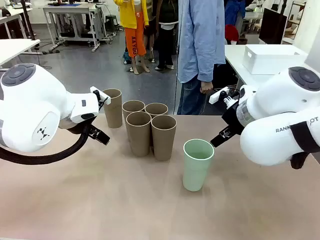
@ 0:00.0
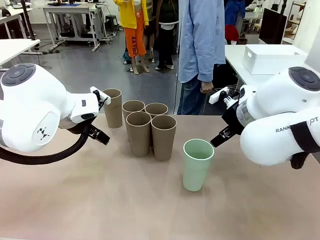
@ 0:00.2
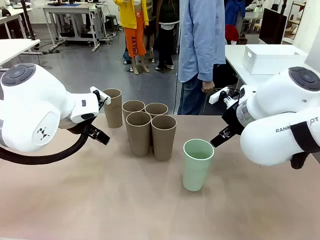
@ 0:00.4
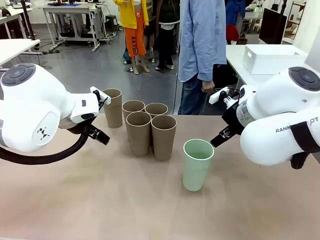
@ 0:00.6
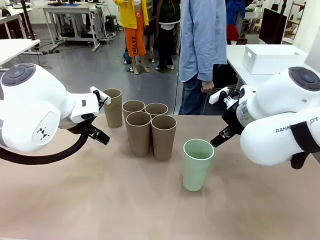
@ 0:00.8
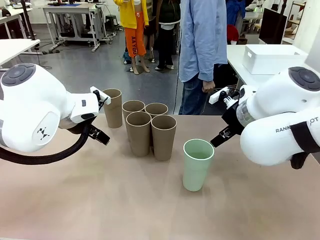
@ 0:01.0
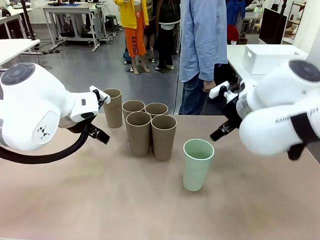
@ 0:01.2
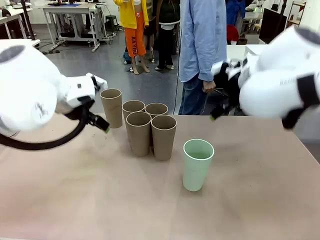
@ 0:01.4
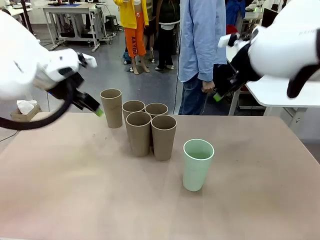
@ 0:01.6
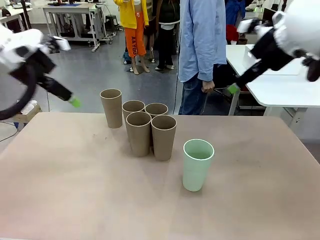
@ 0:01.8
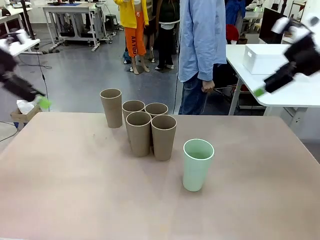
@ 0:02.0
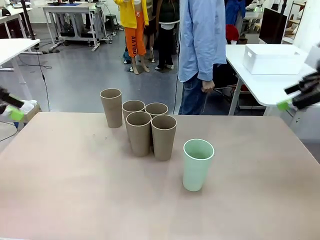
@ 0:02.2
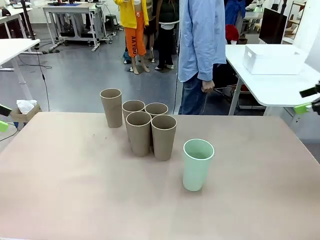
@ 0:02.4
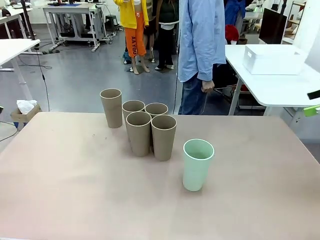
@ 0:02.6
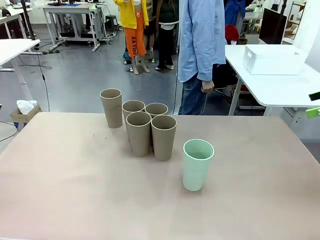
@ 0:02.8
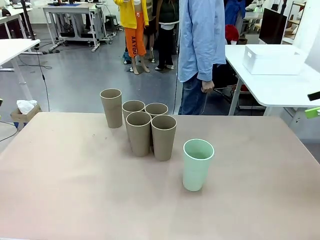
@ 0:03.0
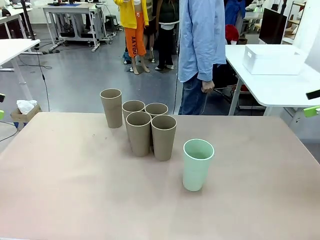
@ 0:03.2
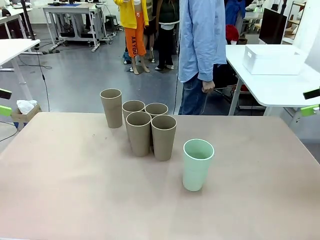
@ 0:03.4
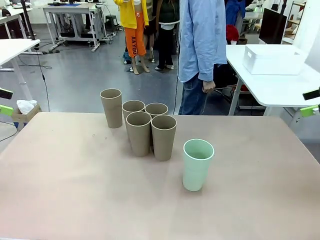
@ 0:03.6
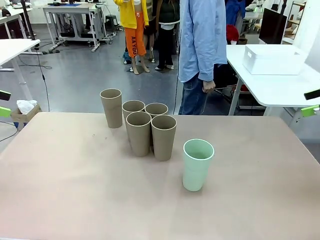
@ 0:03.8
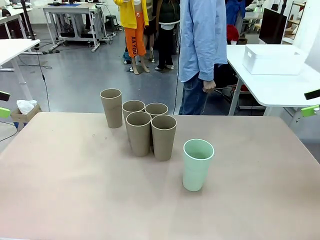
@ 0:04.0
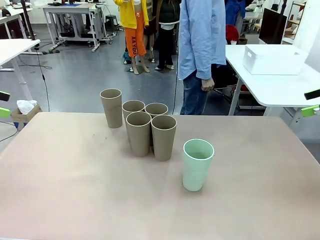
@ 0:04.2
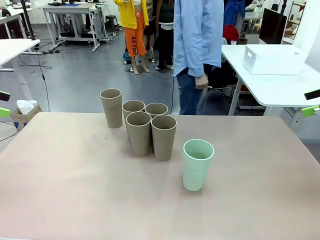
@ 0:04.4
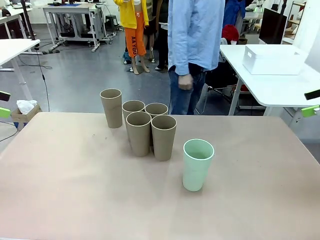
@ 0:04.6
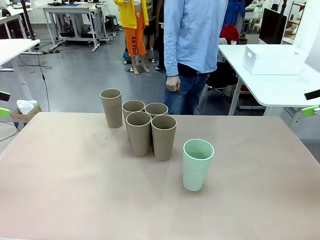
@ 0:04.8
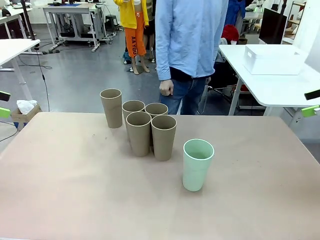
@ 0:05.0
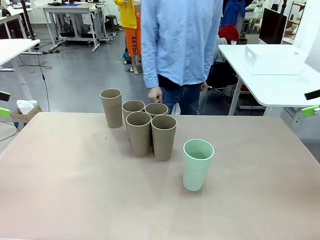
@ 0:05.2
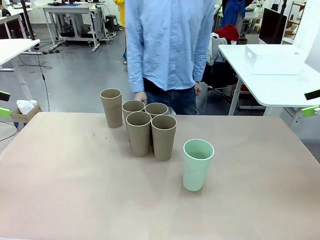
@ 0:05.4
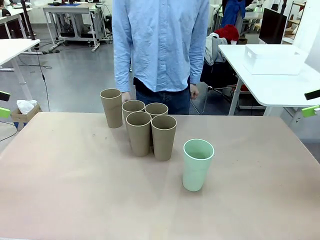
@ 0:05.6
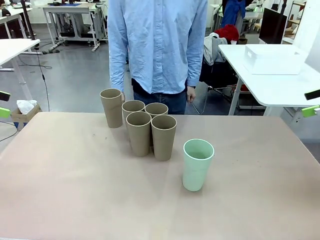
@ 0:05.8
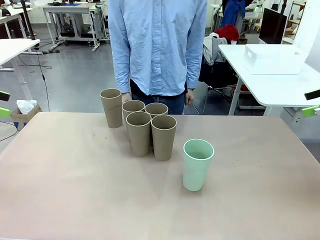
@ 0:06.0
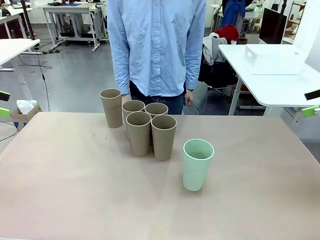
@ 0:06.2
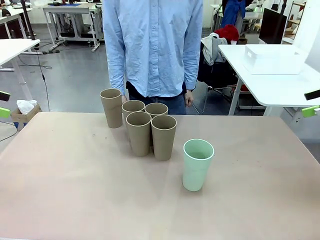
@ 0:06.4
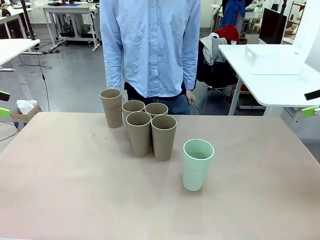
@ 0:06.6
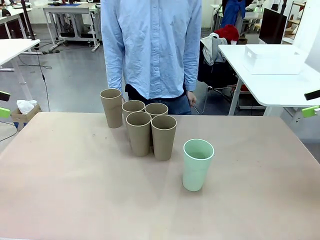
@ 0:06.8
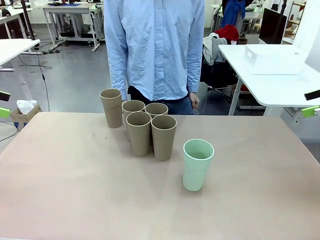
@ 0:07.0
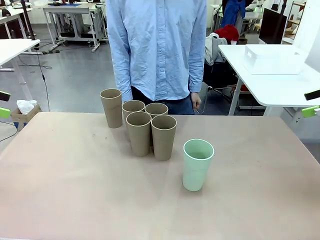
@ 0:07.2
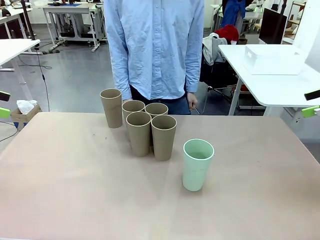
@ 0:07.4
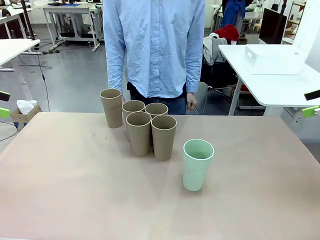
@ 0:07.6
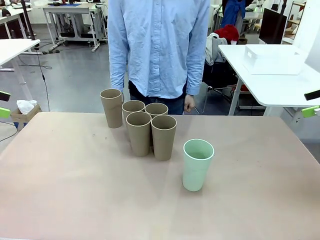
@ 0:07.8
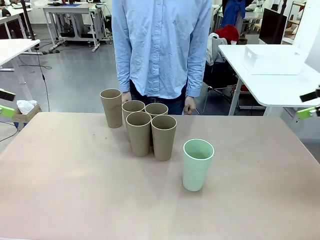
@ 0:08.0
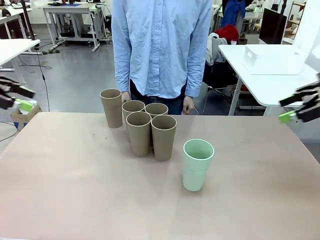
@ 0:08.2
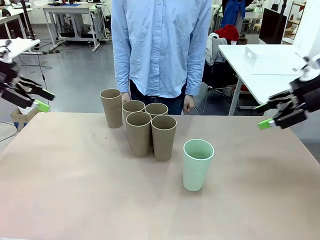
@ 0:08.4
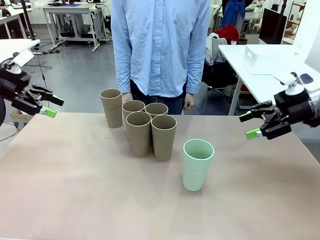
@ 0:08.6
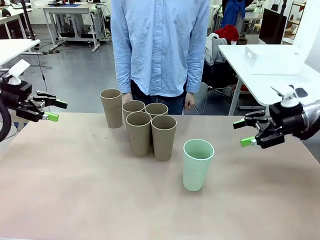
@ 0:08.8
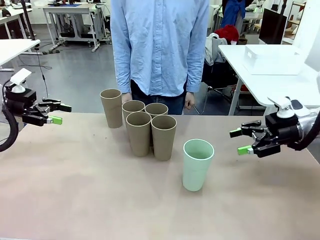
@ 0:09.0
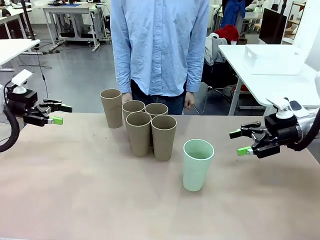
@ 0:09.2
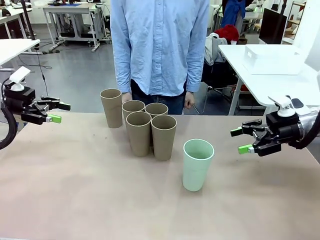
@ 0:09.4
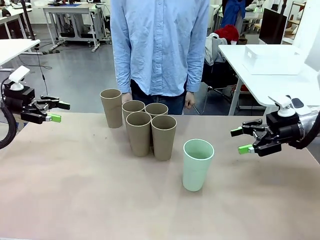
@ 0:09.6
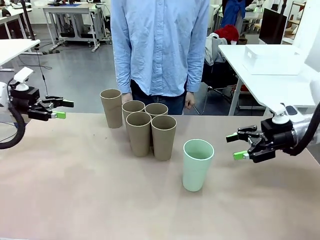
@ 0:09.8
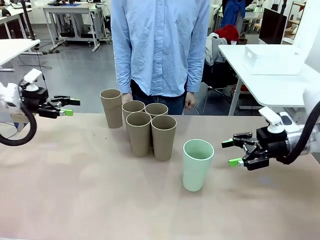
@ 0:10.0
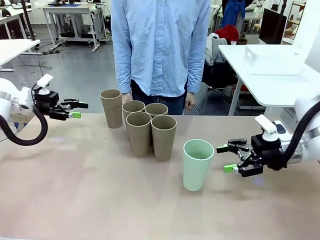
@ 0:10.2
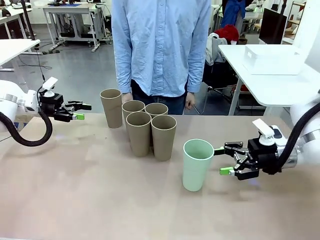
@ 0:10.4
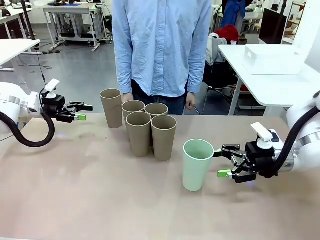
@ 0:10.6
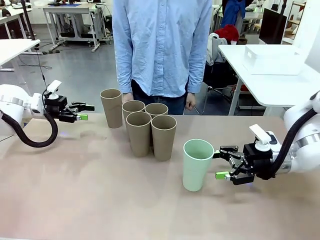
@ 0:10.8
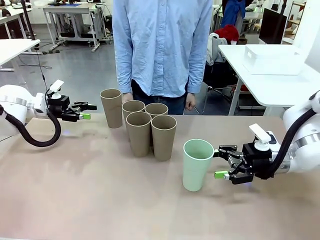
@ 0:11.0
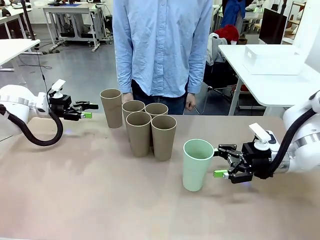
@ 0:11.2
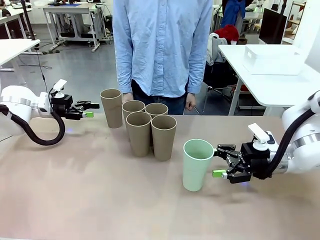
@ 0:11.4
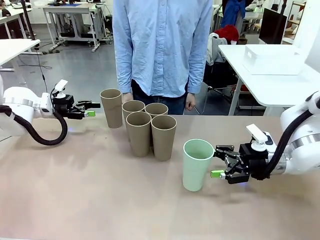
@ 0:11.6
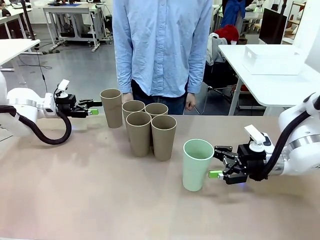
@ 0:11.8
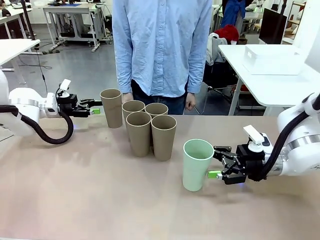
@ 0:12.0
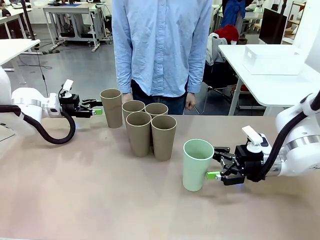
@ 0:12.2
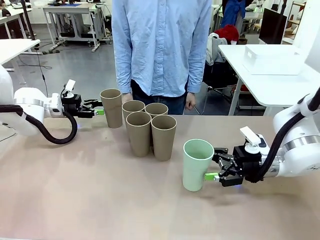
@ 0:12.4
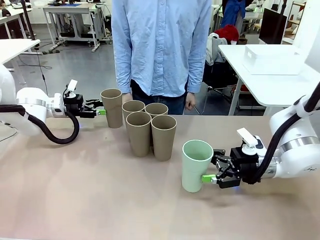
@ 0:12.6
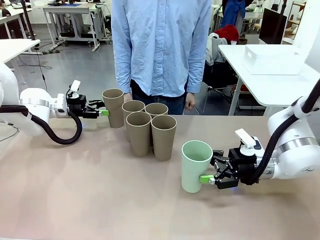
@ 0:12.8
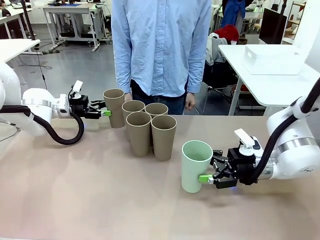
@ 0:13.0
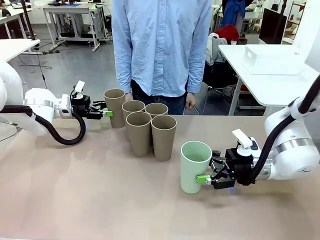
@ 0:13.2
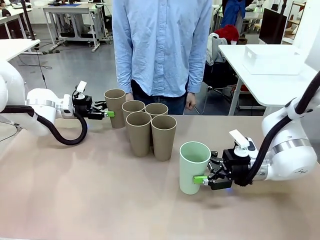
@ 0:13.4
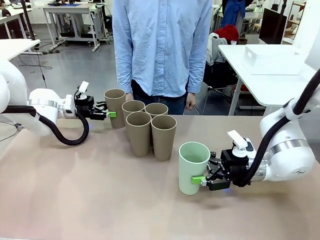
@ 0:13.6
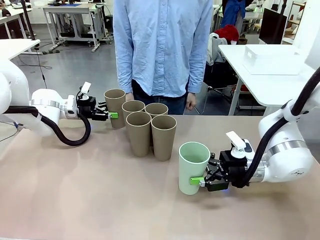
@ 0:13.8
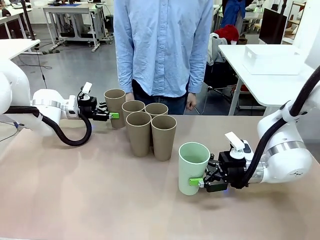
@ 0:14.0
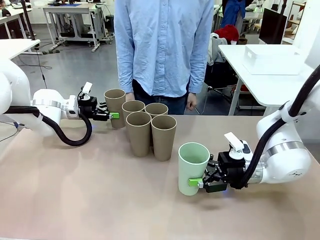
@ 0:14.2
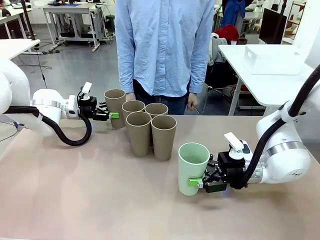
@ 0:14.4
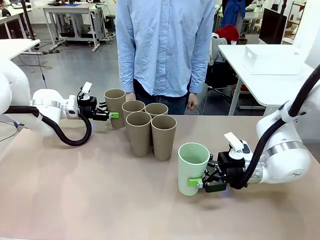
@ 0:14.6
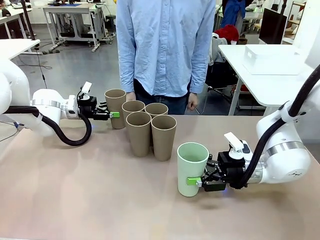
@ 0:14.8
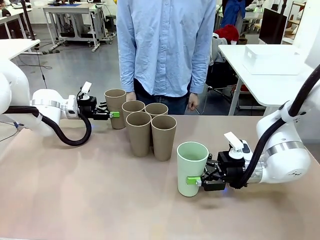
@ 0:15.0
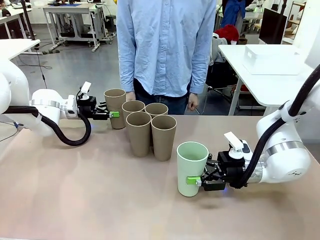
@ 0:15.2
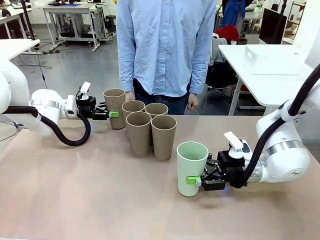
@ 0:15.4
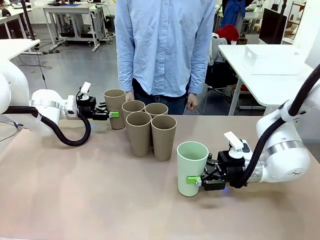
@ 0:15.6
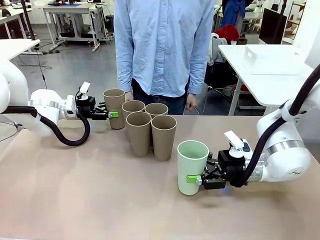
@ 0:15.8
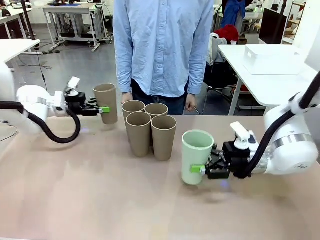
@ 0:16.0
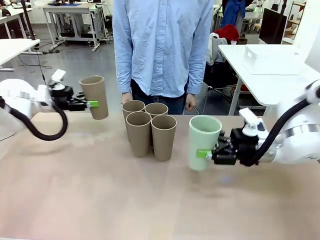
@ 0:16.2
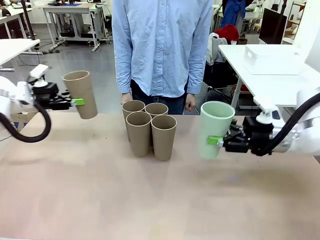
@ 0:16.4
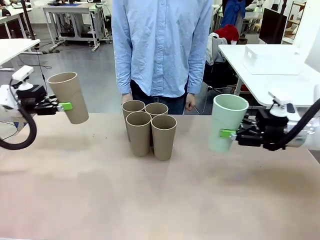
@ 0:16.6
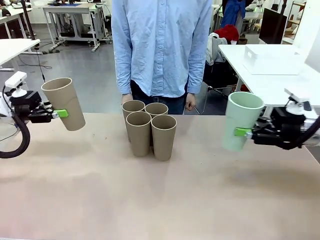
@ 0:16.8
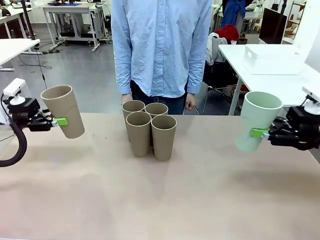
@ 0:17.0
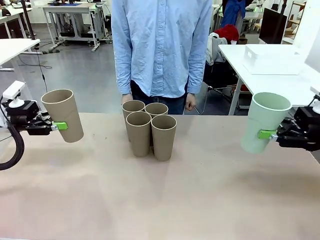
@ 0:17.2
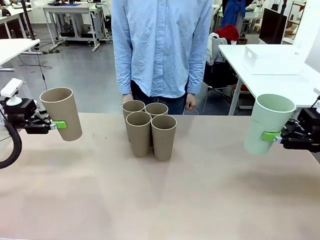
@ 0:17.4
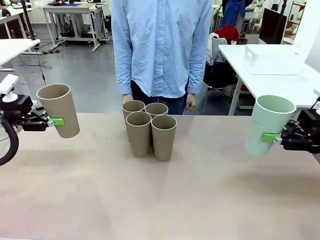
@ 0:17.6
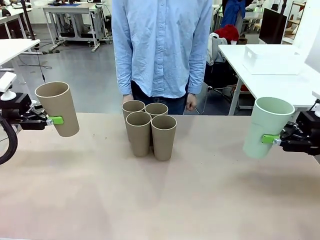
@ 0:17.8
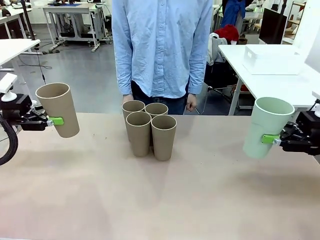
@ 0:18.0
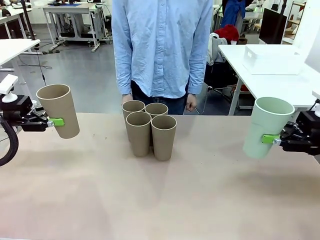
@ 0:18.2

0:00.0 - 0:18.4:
Task: Stack the cups and store them in the basket.
Robot: Pick up two Reusable plastic cups , one in each hand.
Person: Move from the Human Table to the front of the Robot Table. Stack two of the remaining cups on top of each cup held by the robot.
